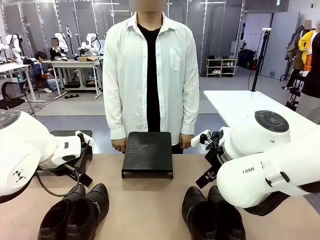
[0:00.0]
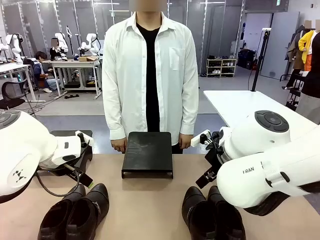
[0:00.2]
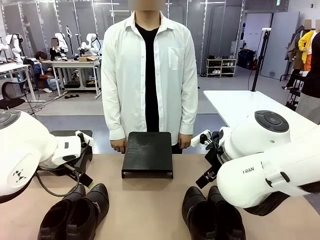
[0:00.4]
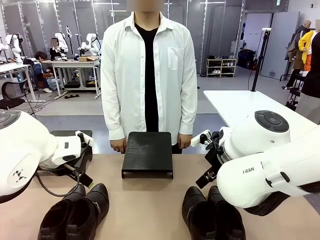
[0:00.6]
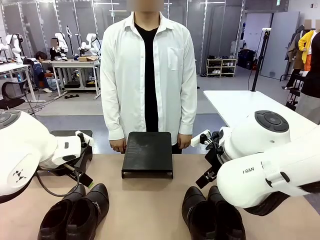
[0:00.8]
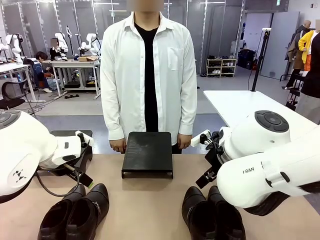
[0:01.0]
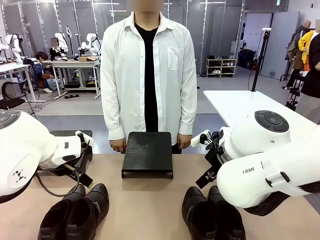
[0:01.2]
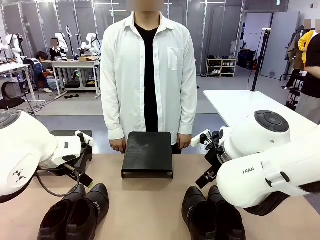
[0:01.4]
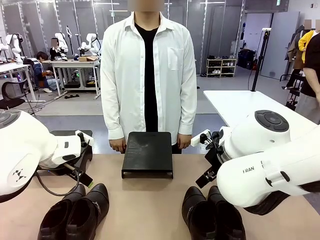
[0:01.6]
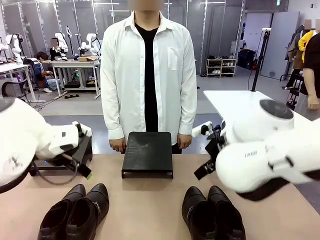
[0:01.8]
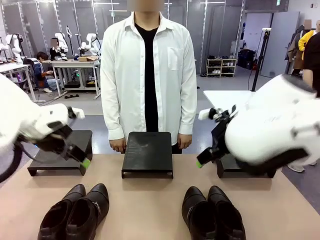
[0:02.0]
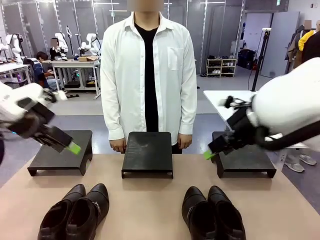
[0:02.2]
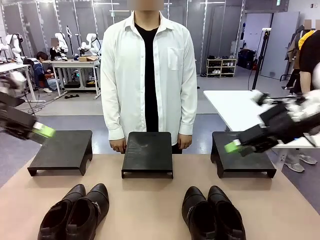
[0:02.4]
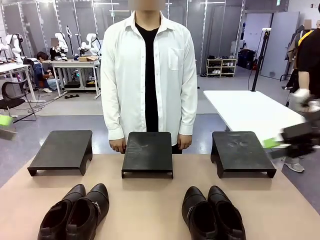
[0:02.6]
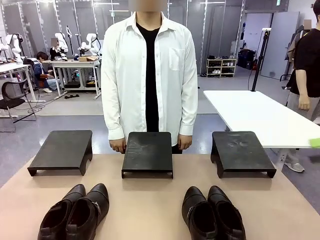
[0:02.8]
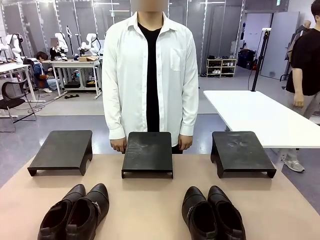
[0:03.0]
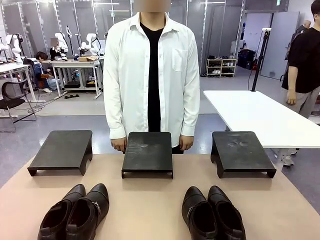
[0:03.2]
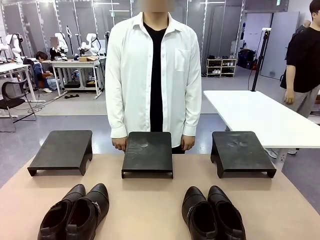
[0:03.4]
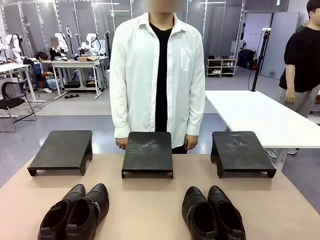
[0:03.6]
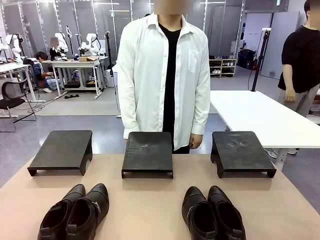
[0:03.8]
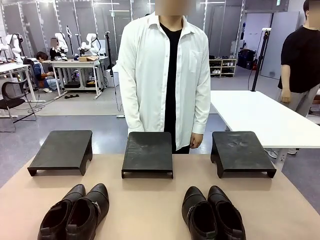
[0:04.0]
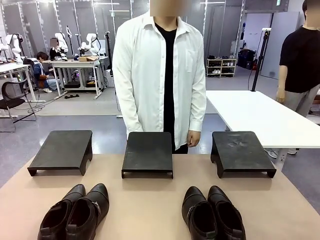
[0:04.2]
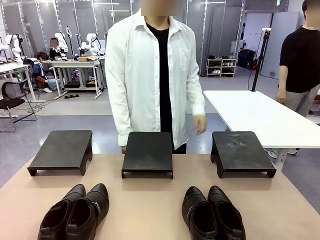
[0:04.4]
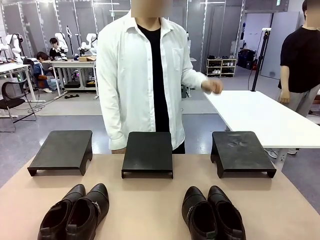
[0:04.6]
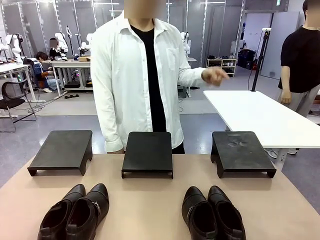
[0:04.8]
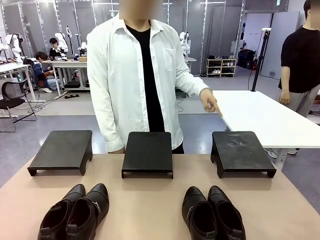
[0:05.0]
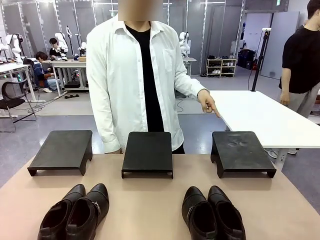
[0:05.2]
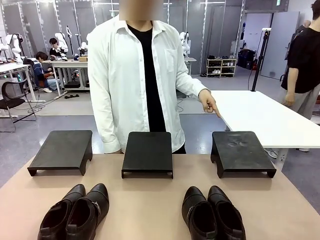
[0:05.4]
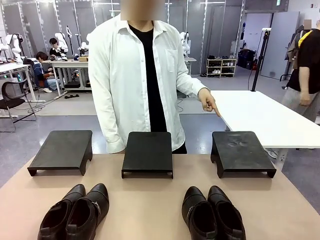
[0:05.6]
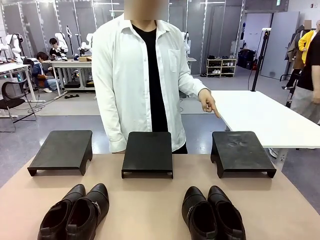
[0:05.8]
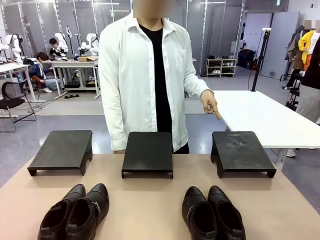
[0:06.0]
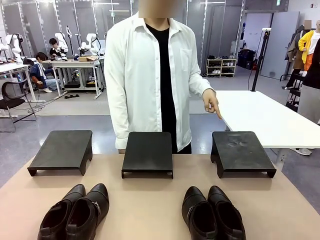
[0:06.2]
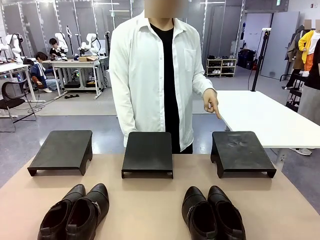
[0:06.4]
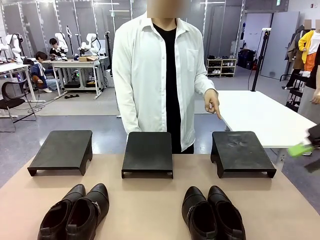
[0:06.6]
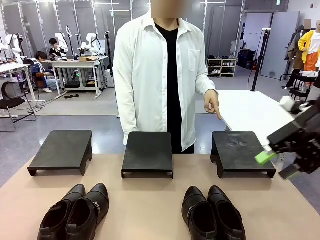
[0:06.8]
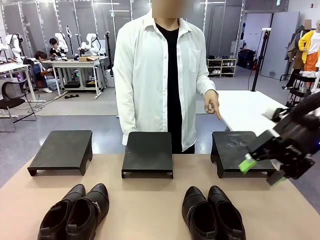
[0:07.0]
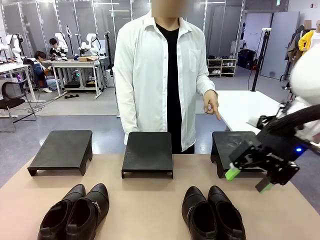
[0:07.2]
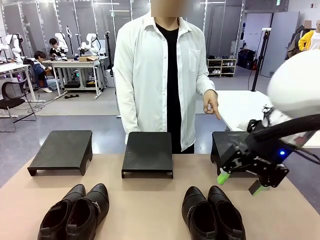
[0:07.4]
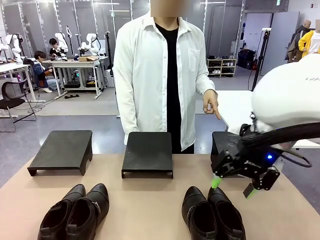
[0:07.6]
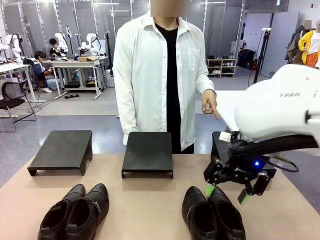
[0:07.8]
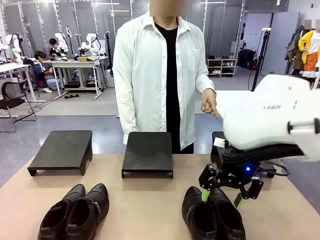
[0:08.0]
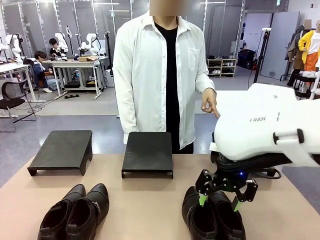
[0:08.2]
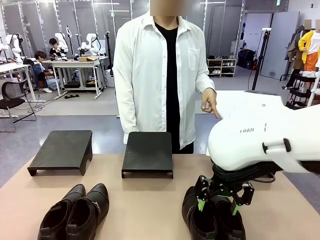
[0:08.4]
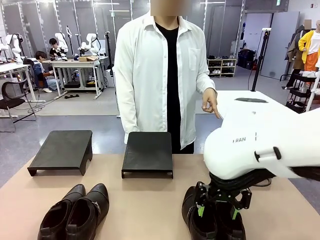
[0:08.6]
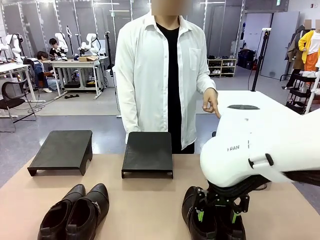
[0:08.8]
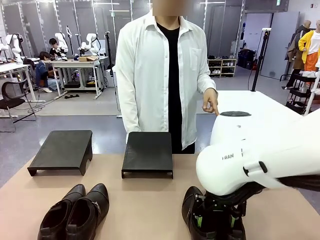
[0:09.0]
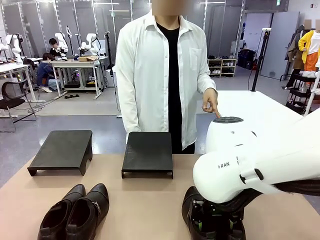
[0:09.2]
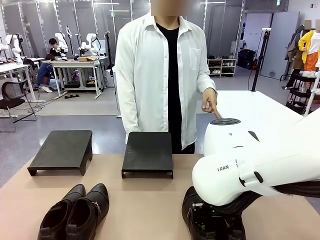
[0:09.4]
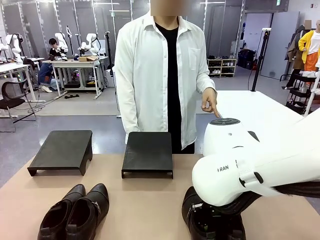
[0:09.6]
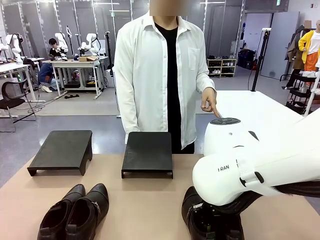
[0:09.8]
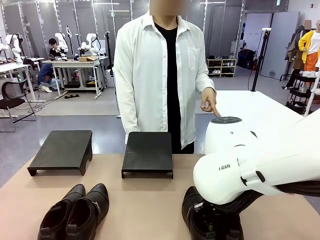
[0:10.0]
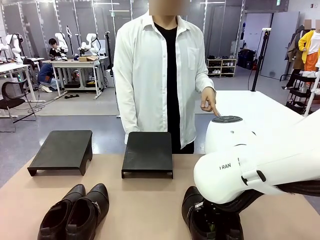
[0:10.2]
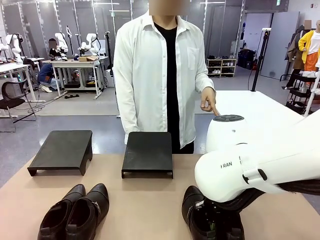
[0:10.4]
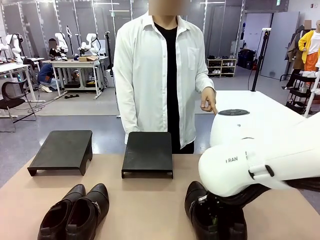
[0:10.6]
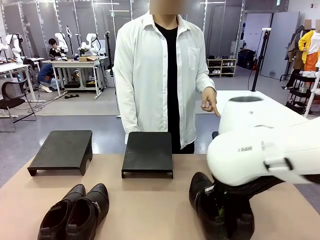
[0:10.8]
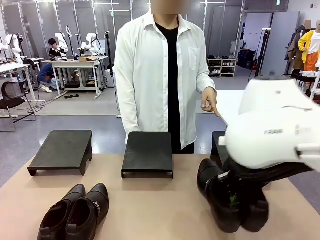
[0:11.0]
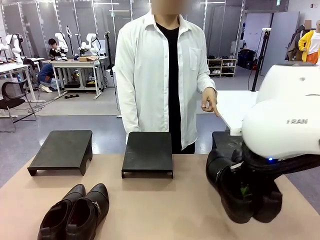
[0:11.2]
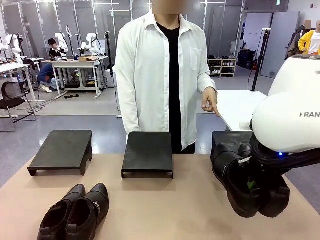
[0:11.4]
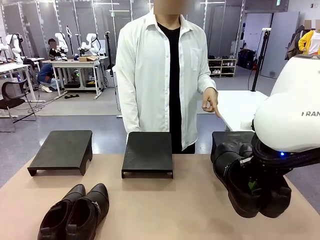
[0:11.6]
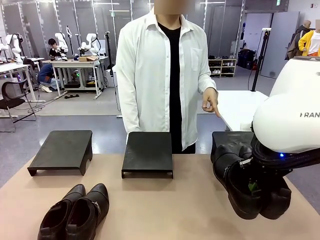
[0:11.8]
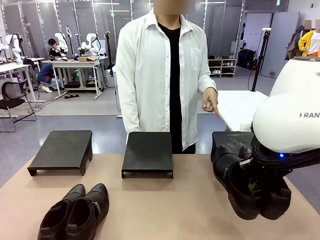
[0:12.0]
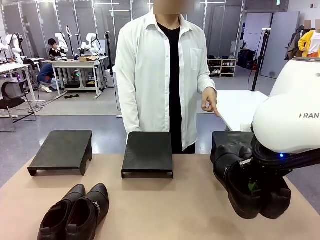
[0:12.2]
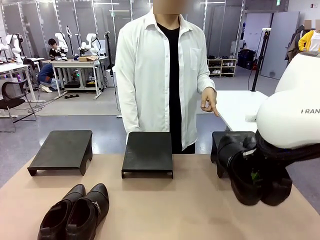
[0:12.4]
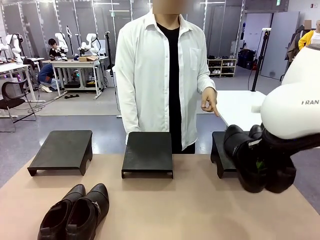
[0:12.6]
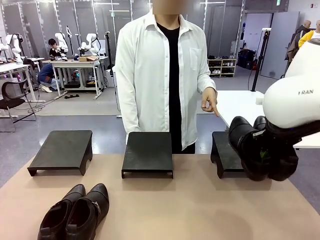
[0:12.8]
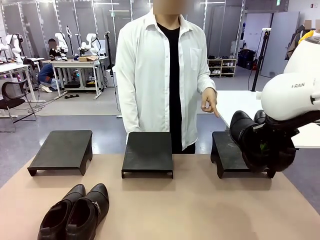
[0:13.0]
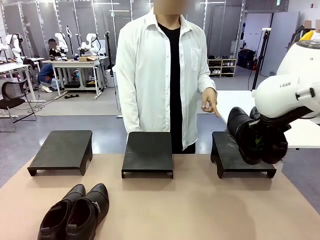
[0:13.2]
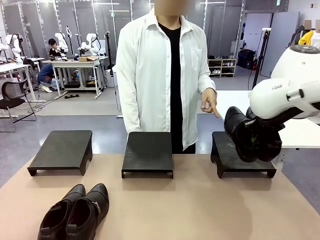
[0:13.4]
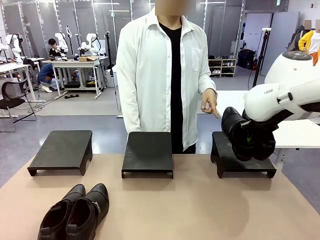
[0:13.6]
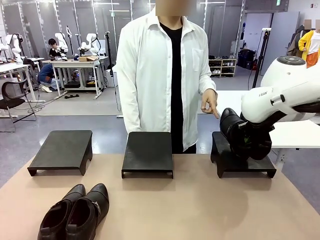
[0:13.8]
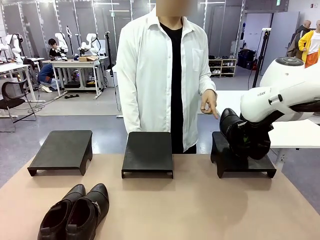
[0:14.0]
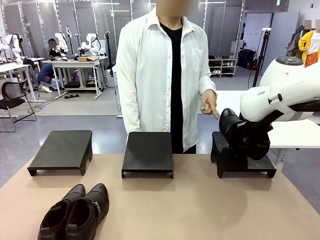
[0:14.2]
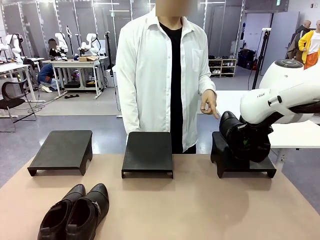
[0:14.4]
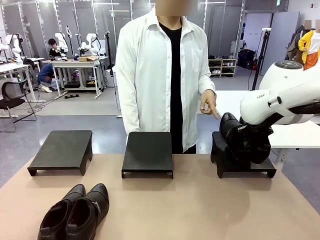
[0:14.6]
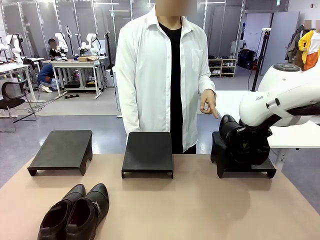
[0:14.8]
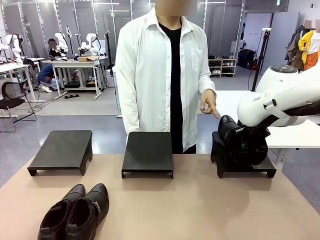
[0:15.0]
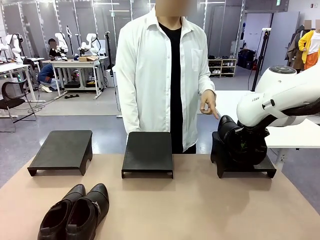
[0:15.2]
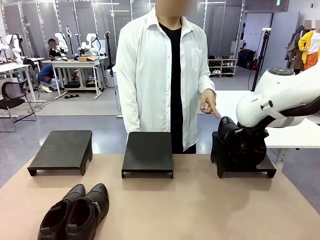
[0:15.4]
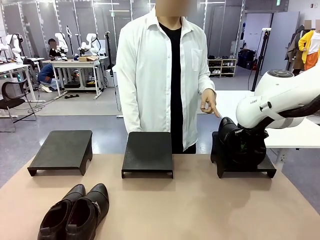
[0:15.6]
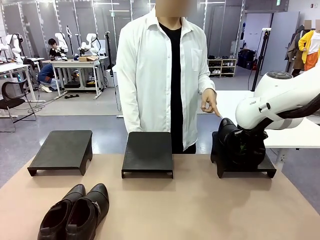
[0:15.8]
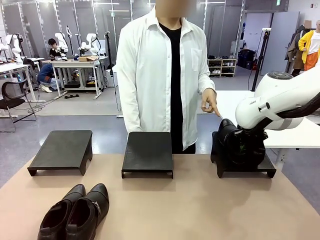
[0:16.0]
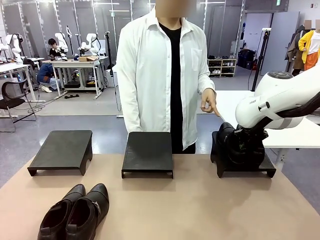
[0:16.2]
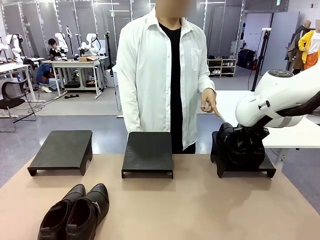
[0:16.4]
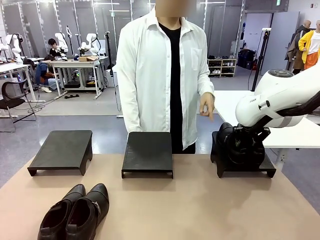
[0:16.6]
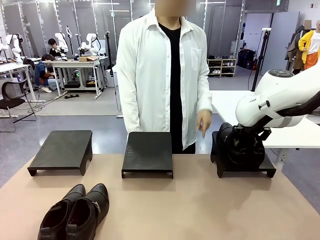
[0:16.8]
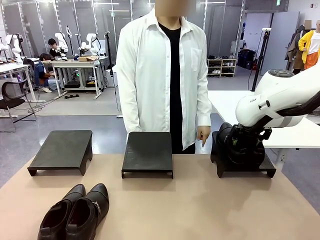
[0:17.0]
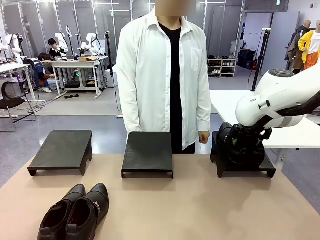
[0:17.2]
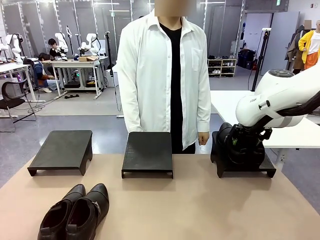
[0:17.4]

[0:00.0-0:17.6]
Task: Place the shoes on the stand as instructed by the person.
Robot: Pick up one pair of Shoes and place it on the Shoes Stand indicated by the person.
